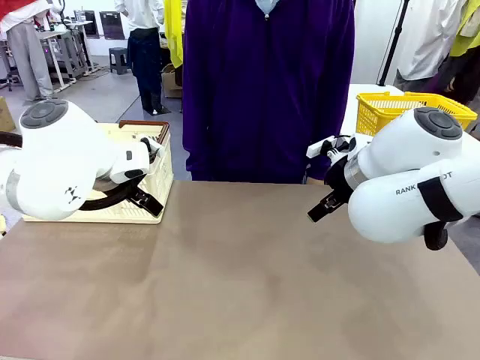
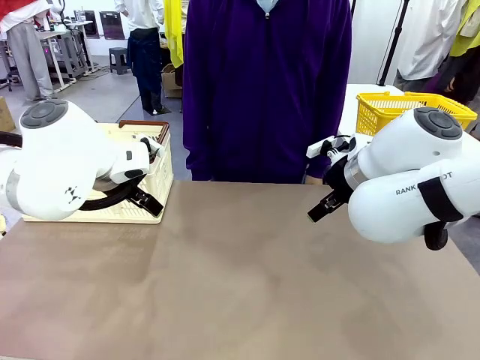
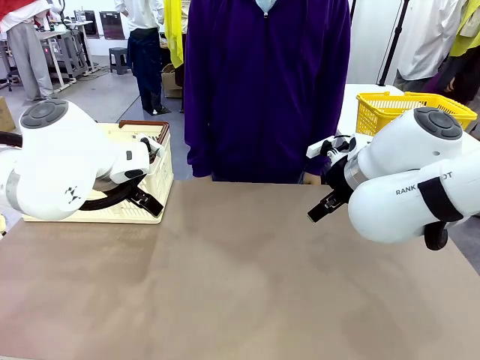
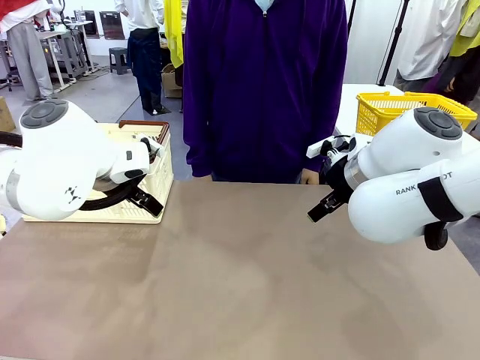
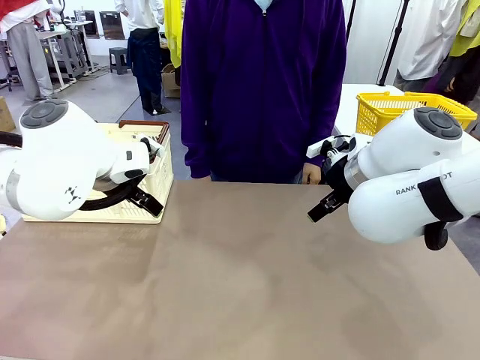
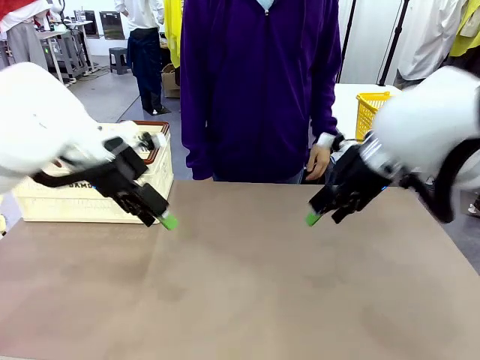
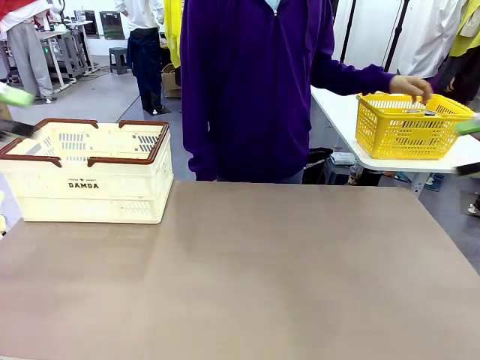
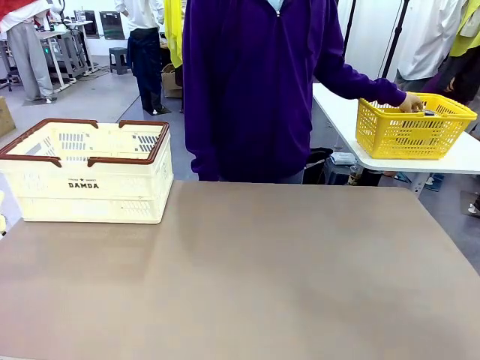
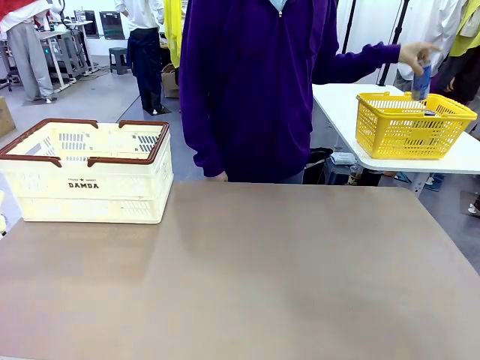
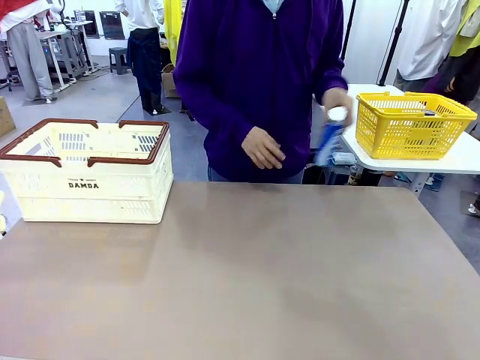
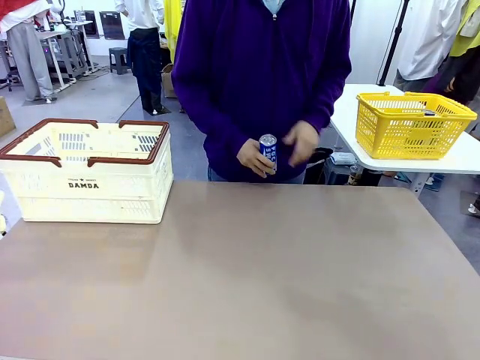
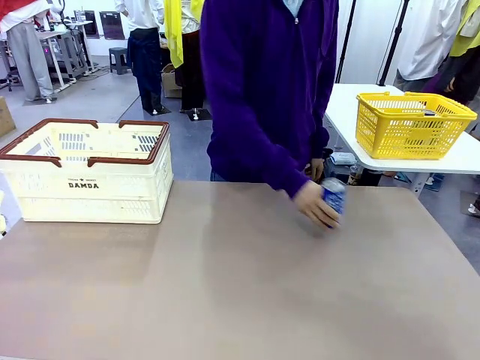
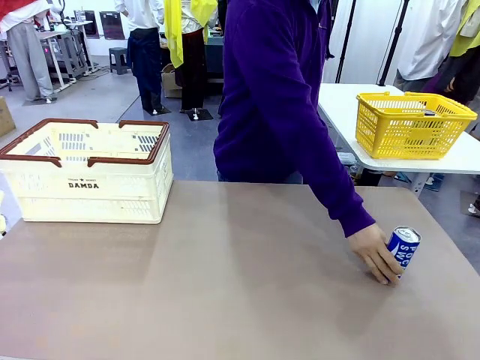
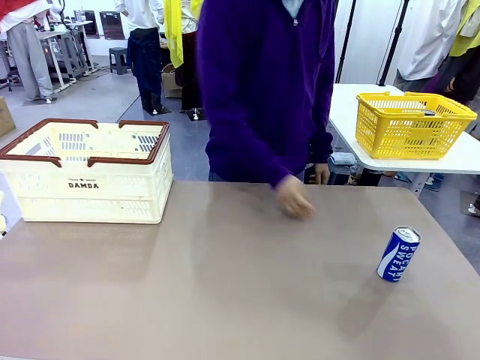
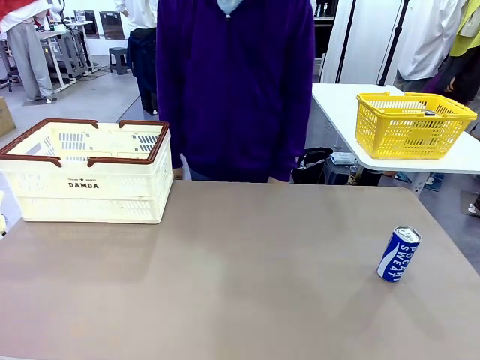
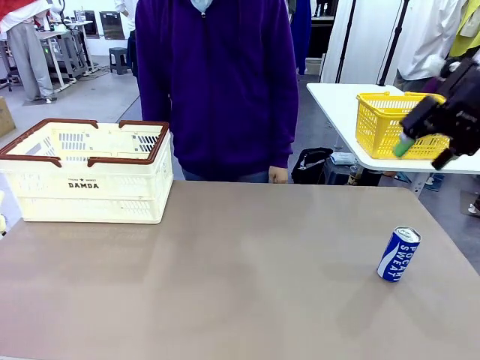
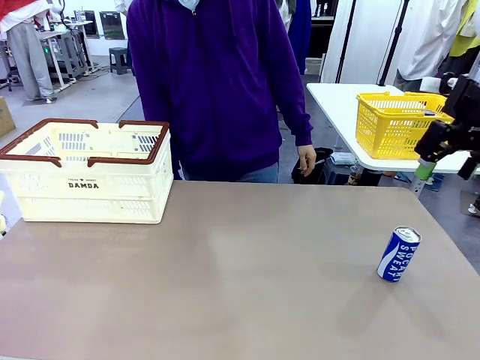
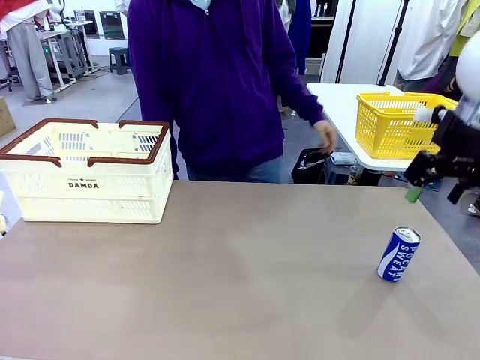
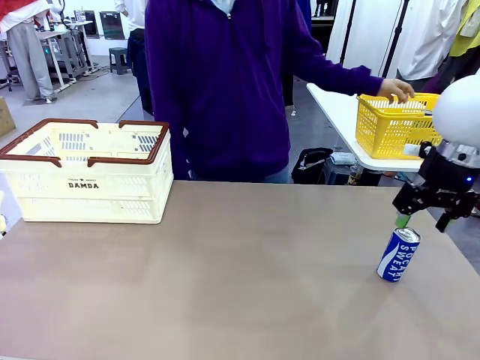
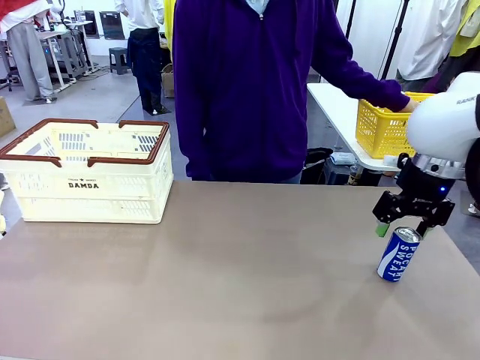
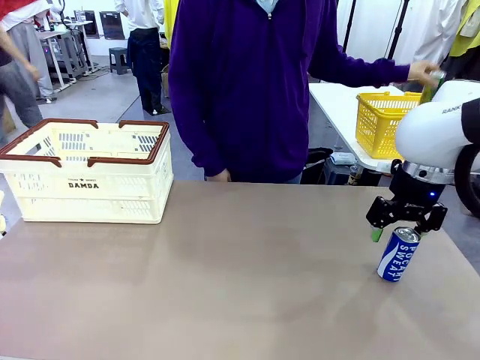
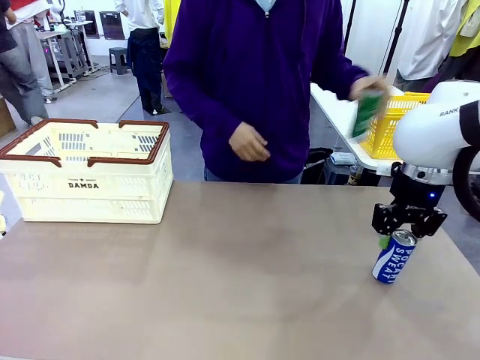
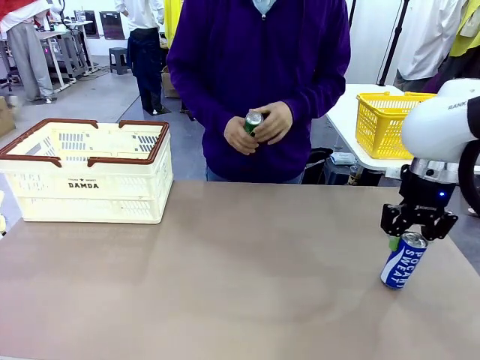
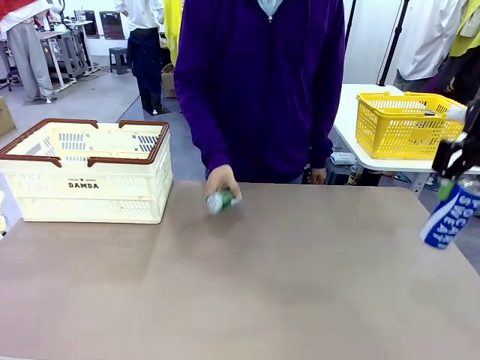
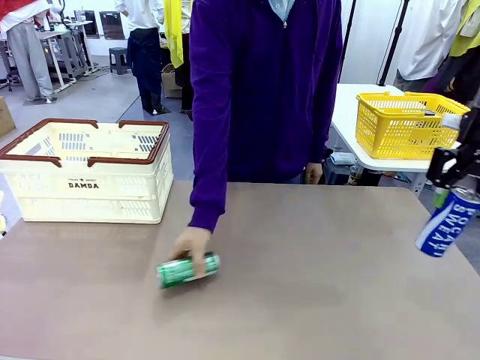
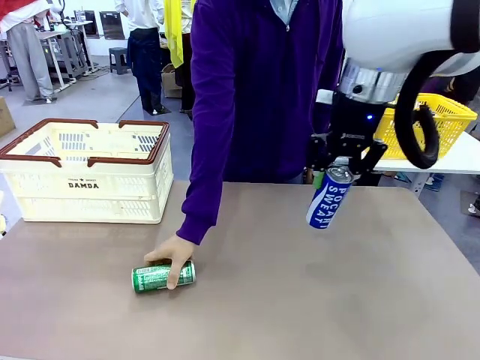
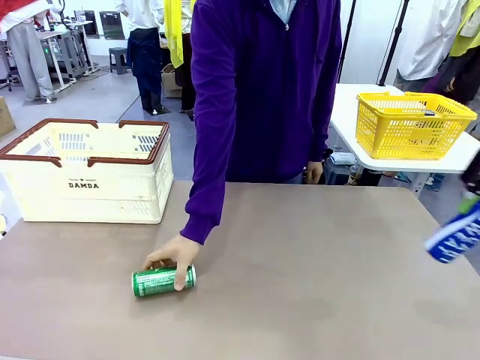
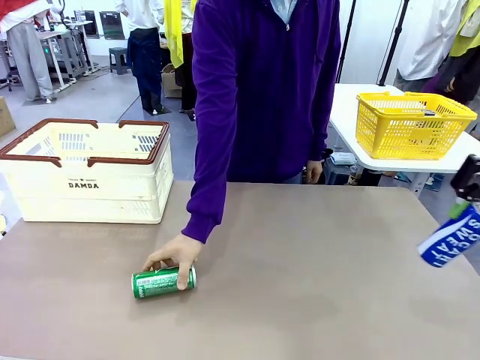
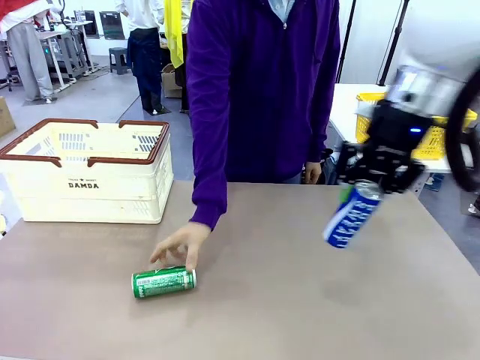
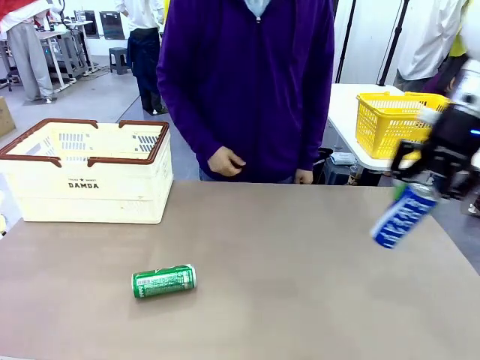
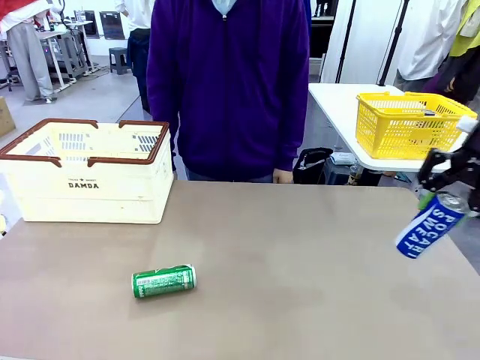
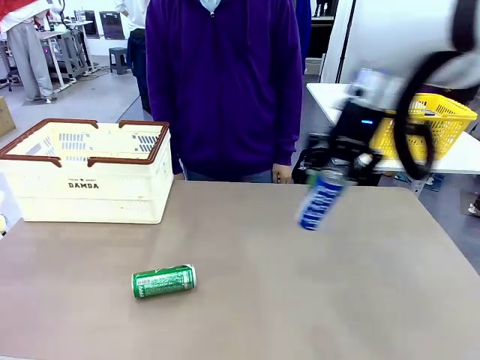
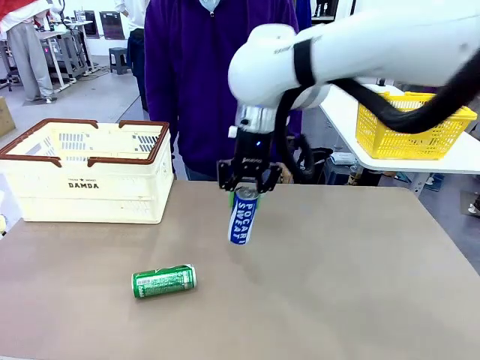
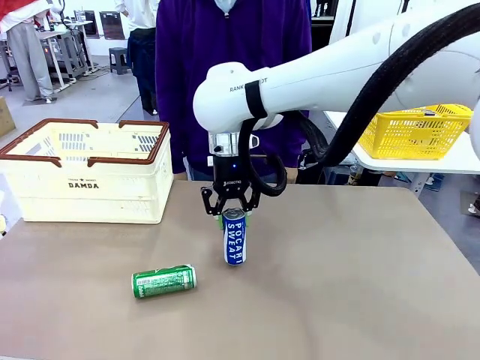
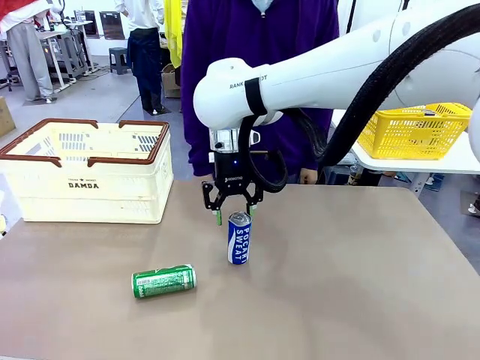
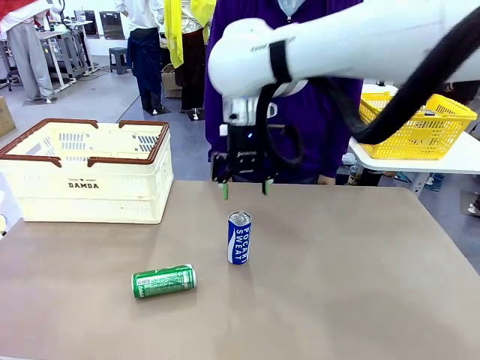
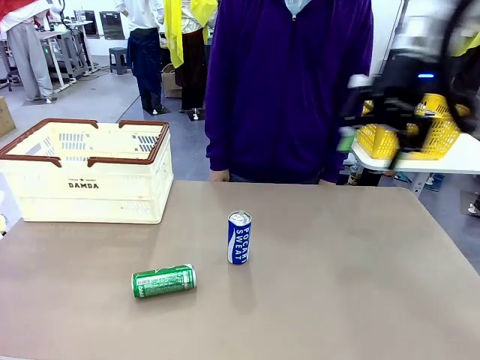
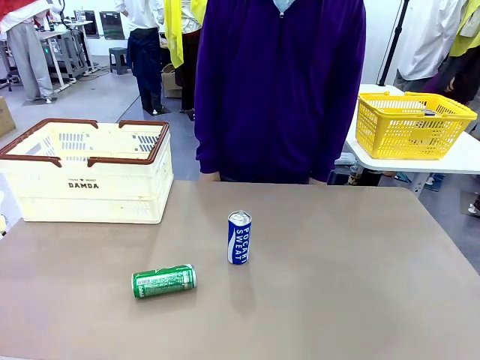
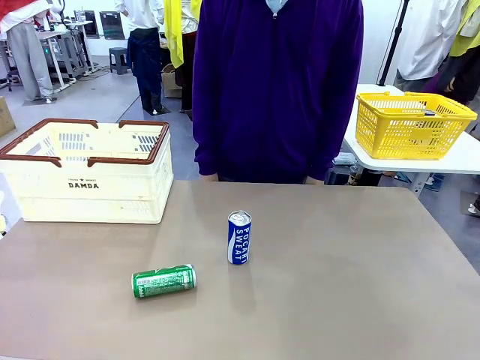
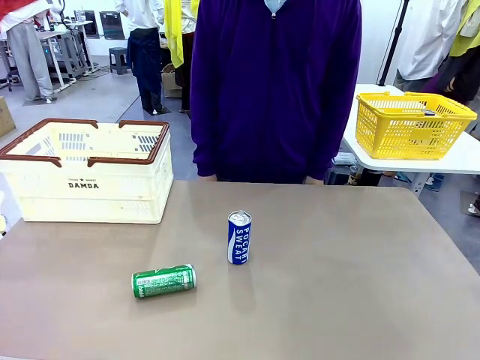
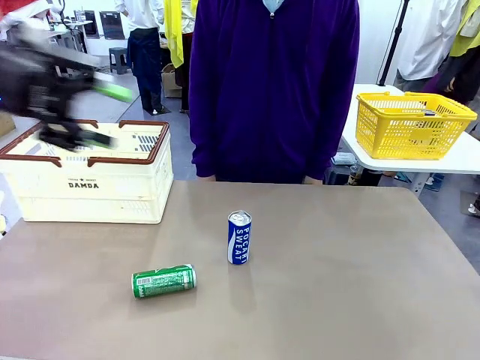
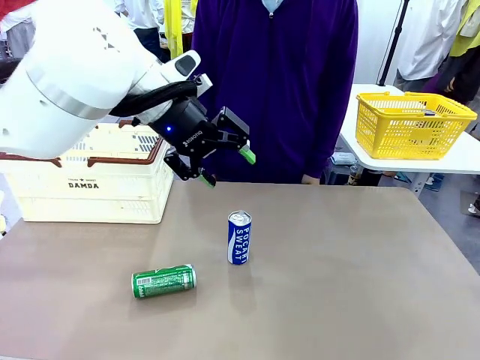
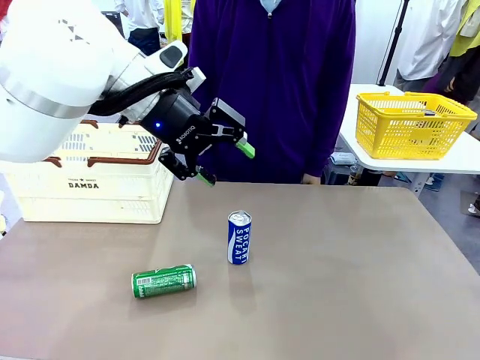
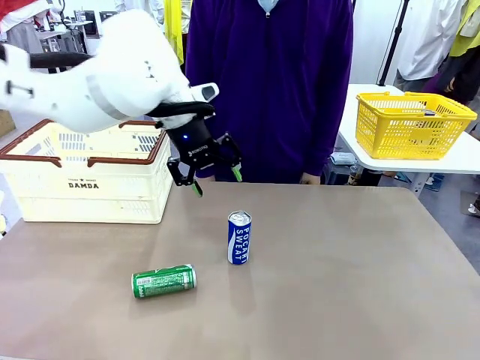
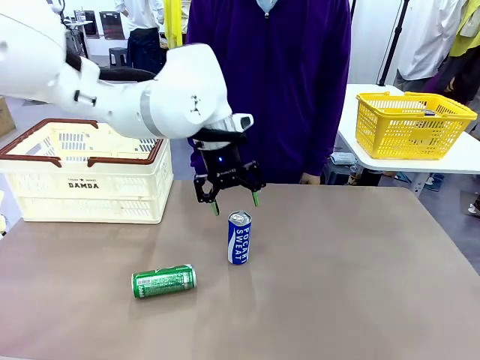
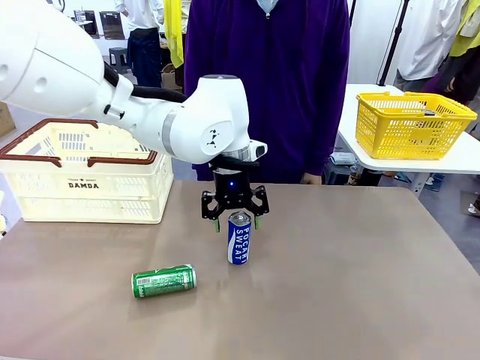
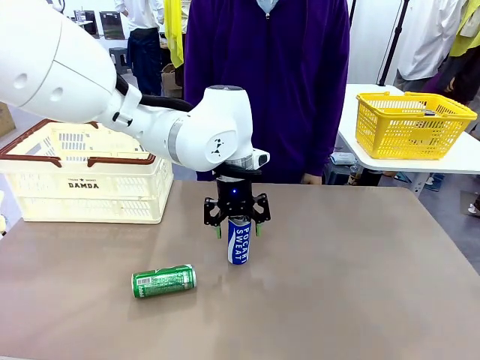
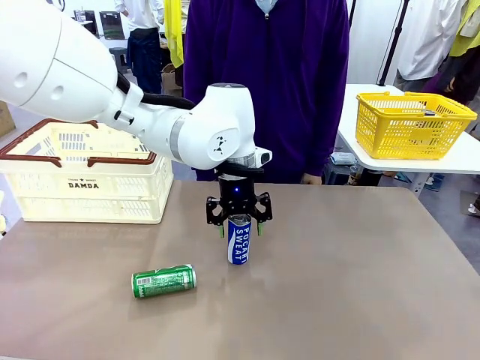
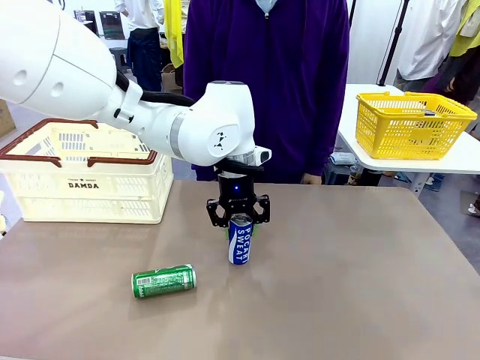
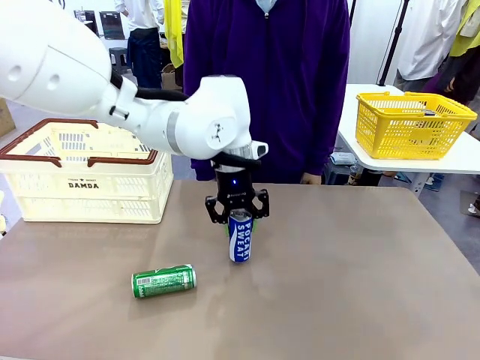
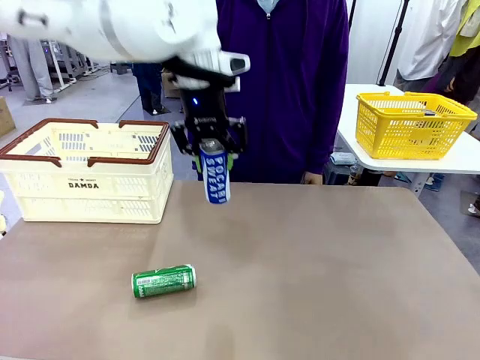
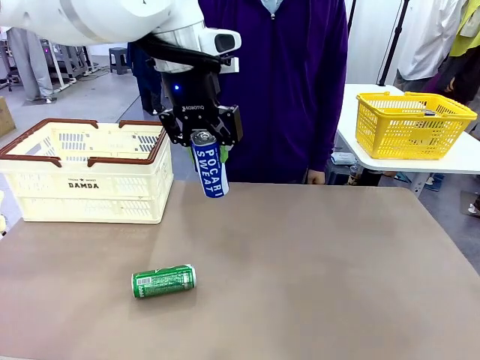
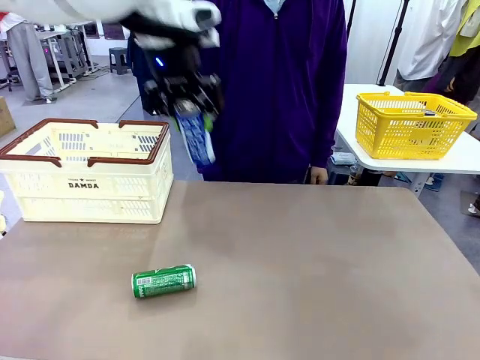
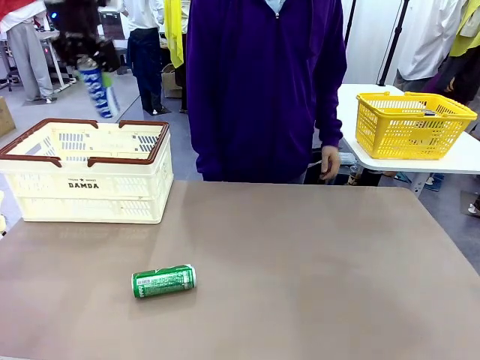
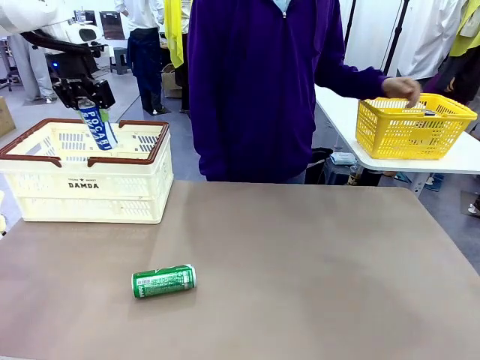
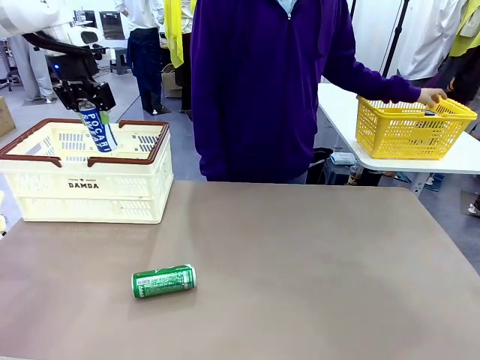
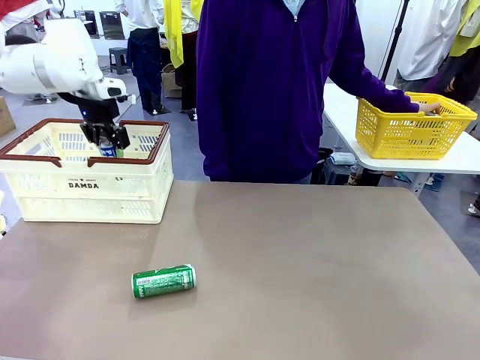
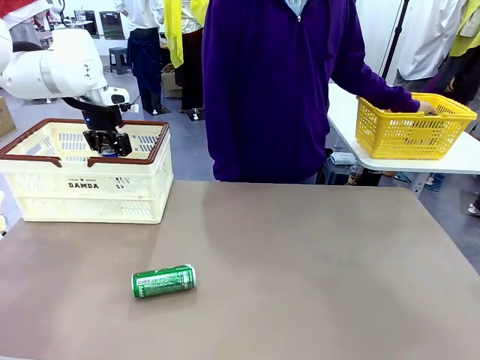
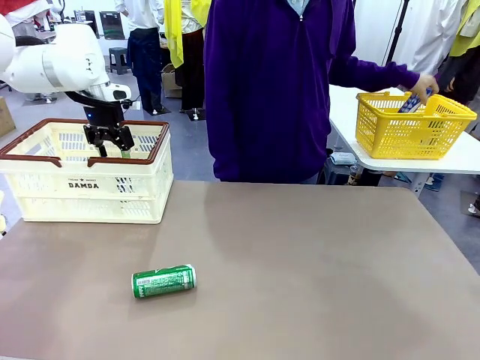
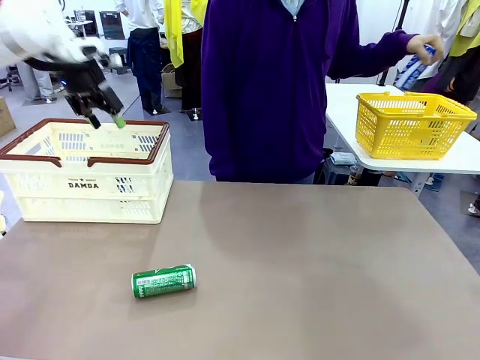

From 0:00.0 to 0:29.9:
Task: Place the drinks into the Shopping basket.
Robot: Pick up one drink and place it into the Shopping basket.
